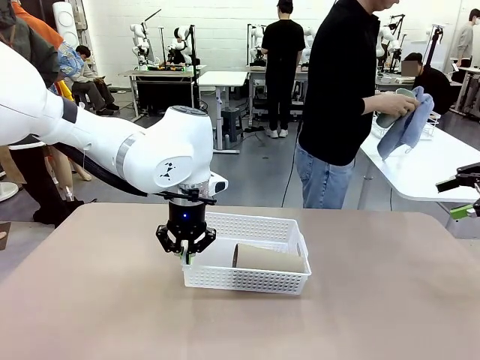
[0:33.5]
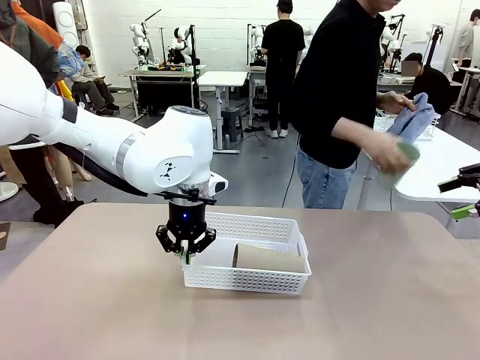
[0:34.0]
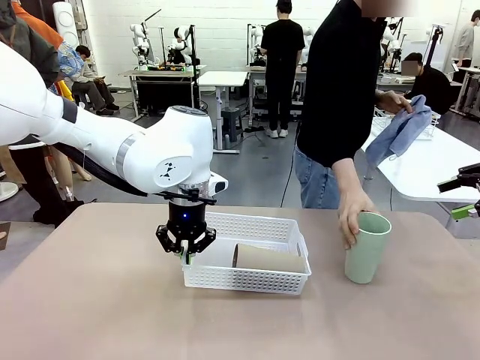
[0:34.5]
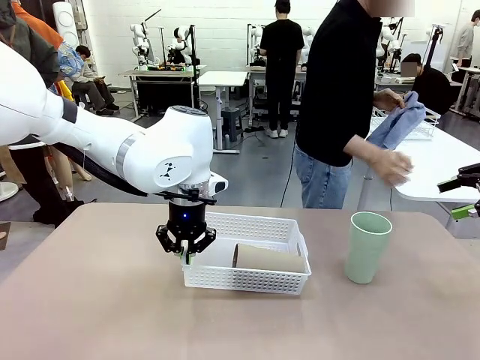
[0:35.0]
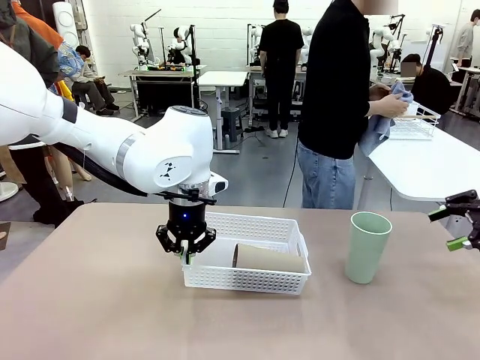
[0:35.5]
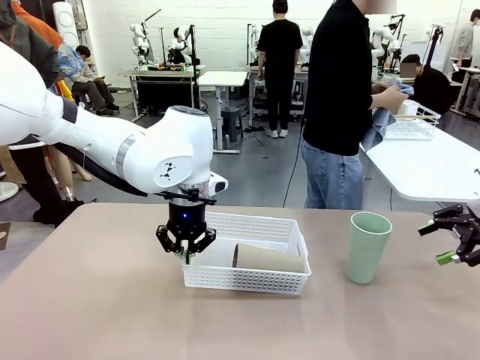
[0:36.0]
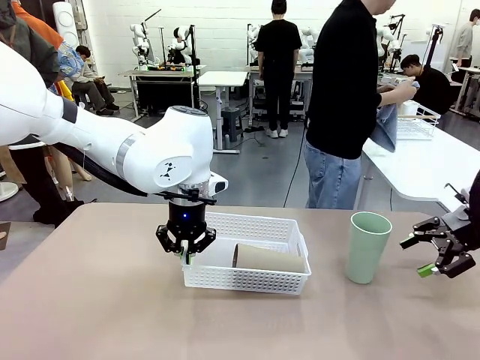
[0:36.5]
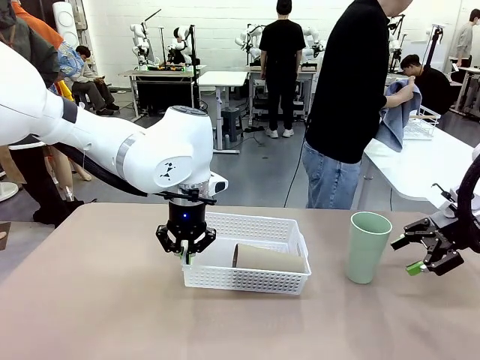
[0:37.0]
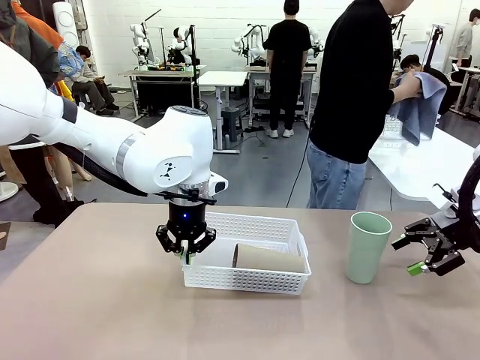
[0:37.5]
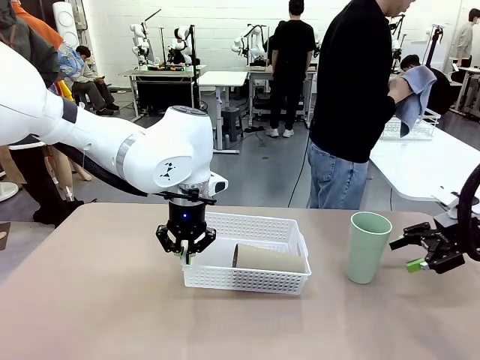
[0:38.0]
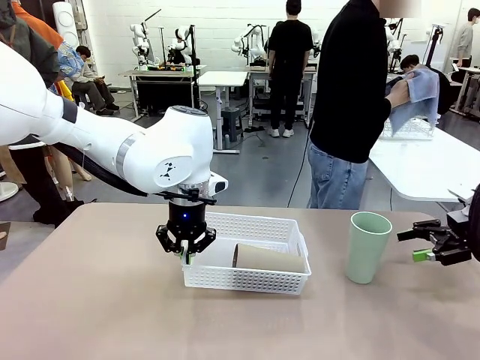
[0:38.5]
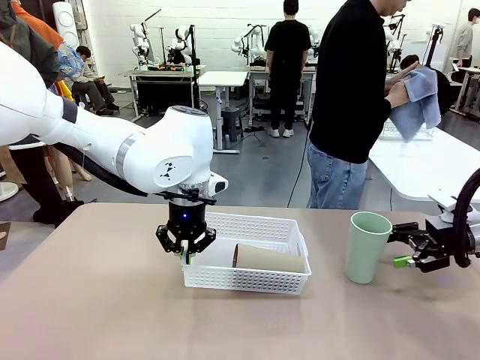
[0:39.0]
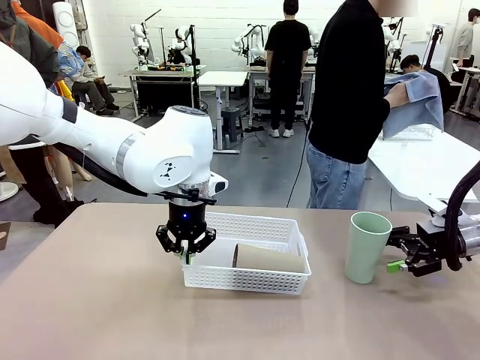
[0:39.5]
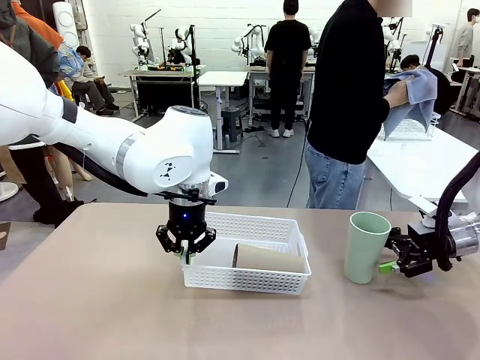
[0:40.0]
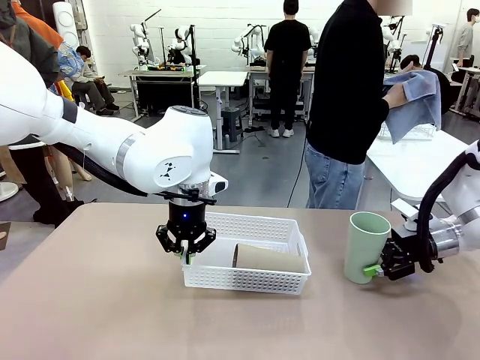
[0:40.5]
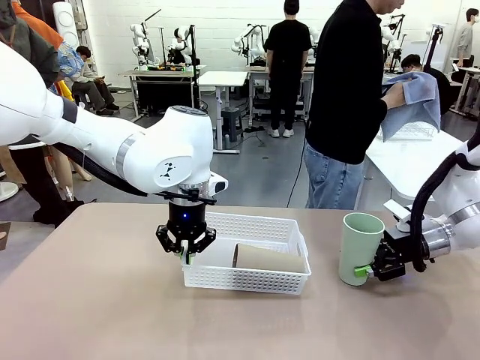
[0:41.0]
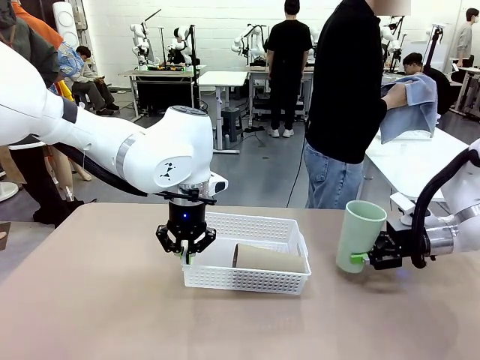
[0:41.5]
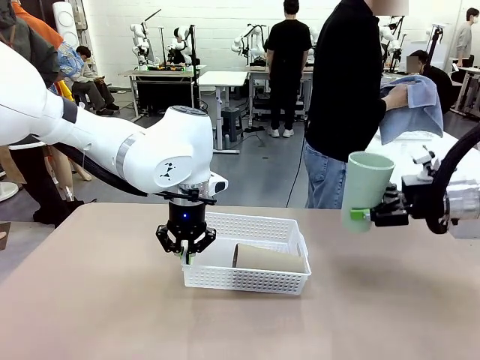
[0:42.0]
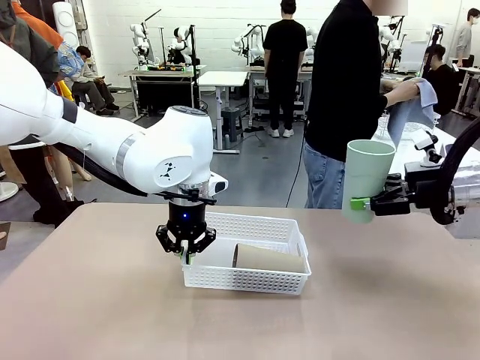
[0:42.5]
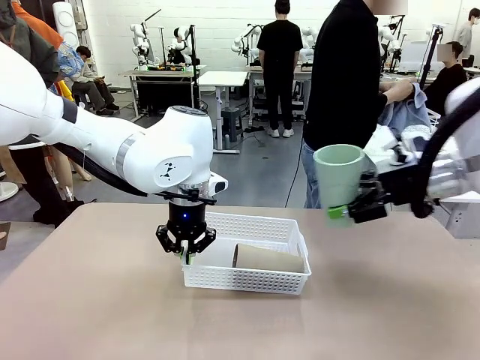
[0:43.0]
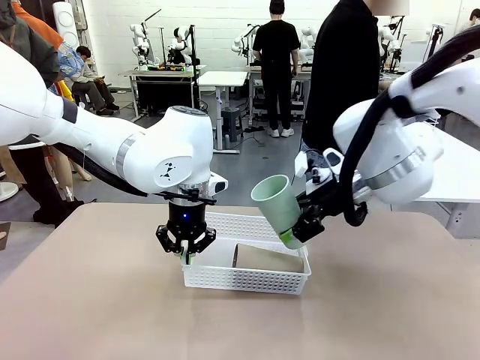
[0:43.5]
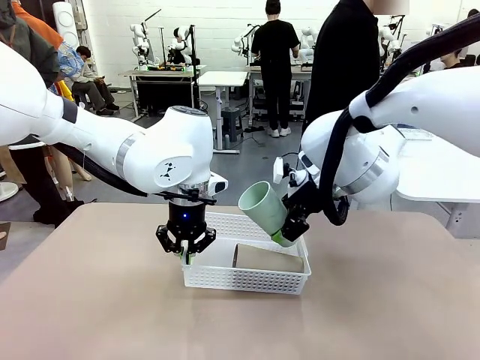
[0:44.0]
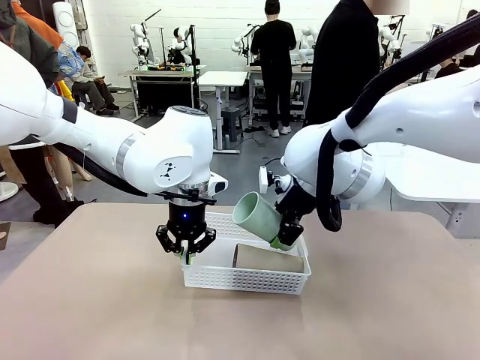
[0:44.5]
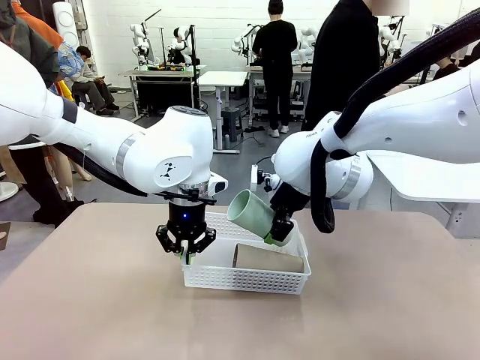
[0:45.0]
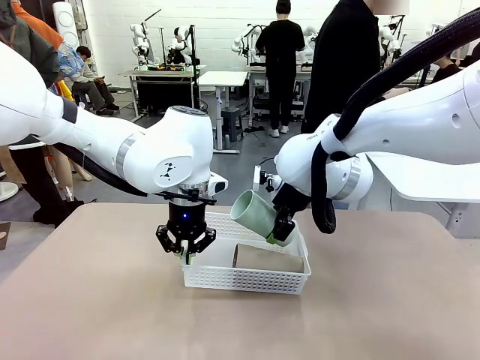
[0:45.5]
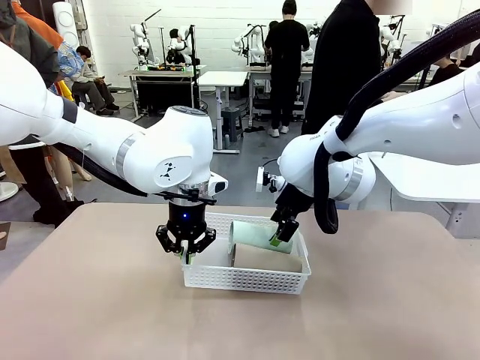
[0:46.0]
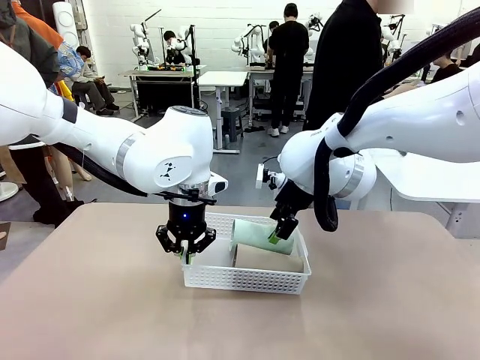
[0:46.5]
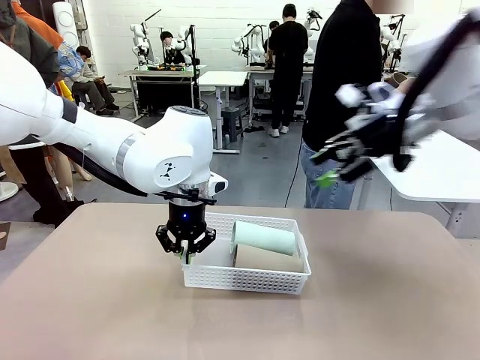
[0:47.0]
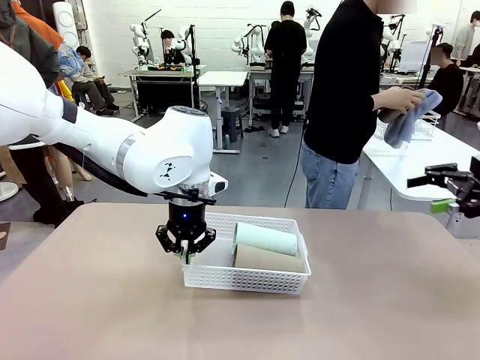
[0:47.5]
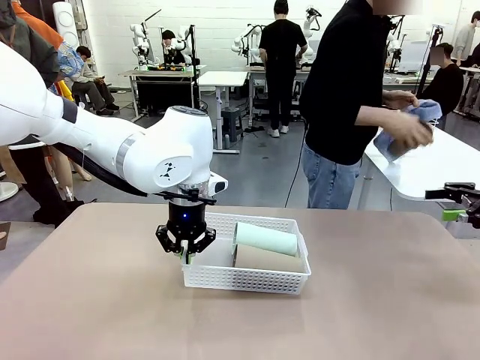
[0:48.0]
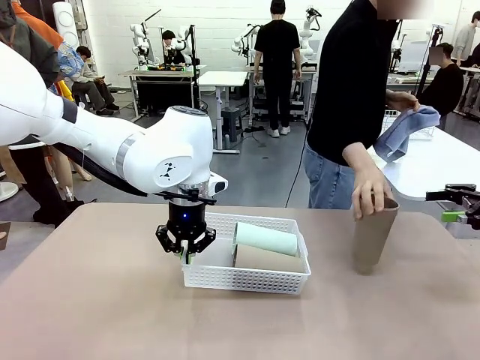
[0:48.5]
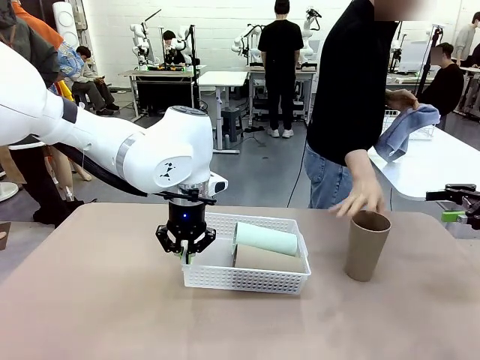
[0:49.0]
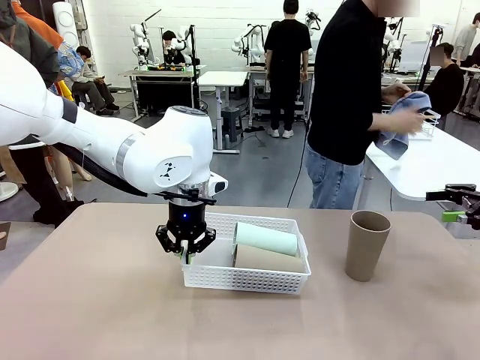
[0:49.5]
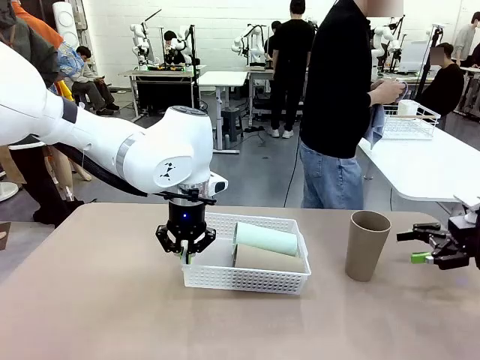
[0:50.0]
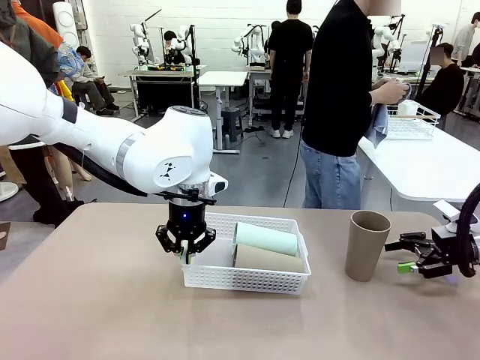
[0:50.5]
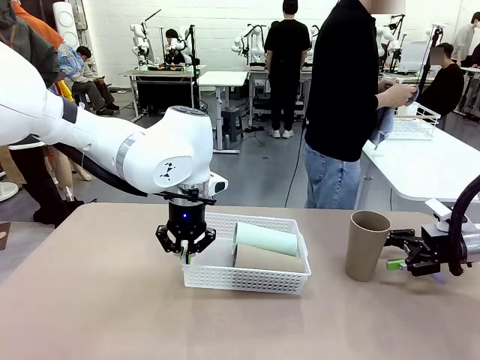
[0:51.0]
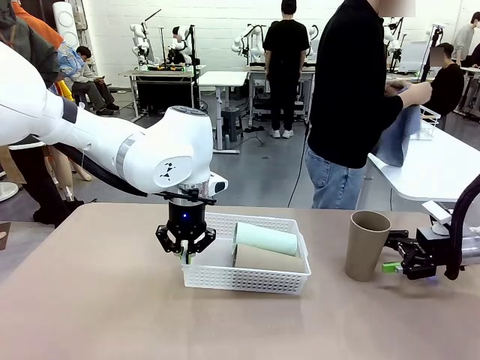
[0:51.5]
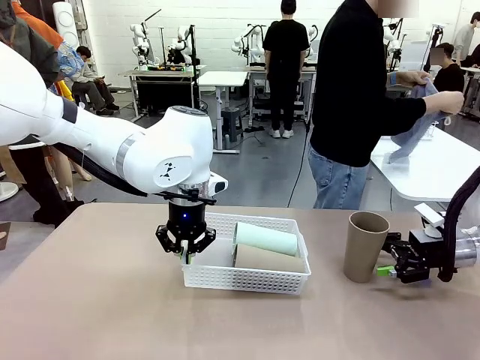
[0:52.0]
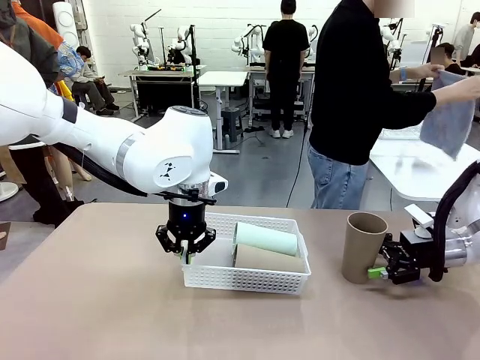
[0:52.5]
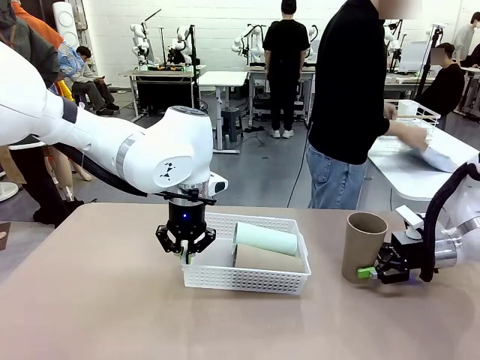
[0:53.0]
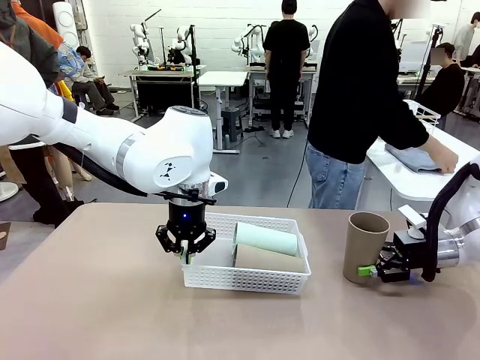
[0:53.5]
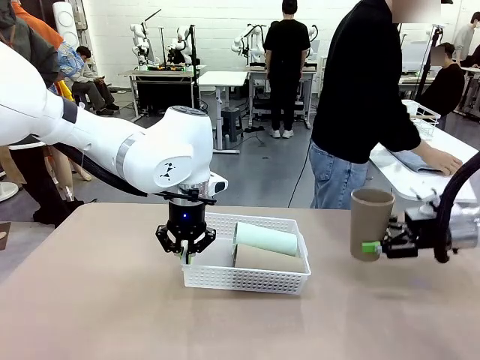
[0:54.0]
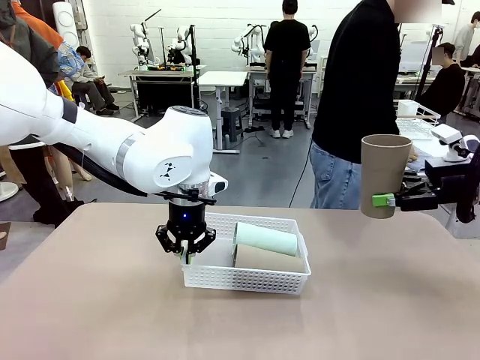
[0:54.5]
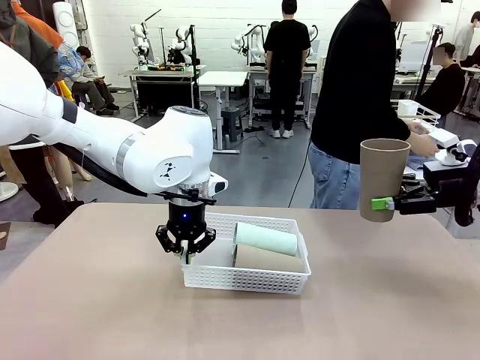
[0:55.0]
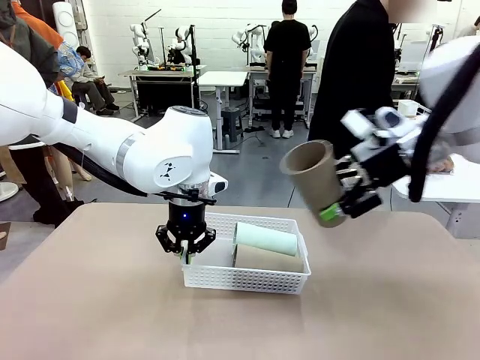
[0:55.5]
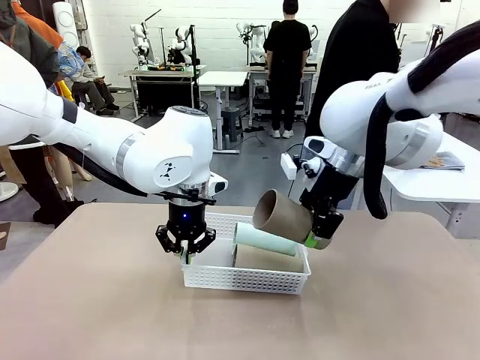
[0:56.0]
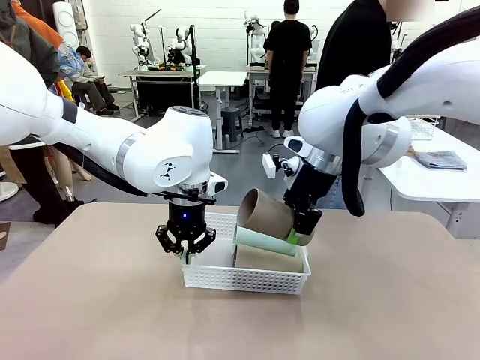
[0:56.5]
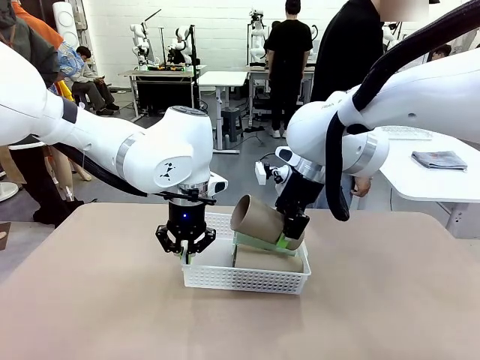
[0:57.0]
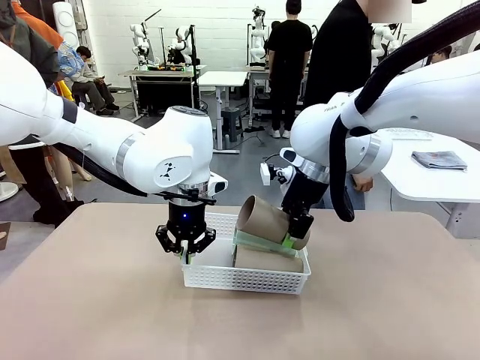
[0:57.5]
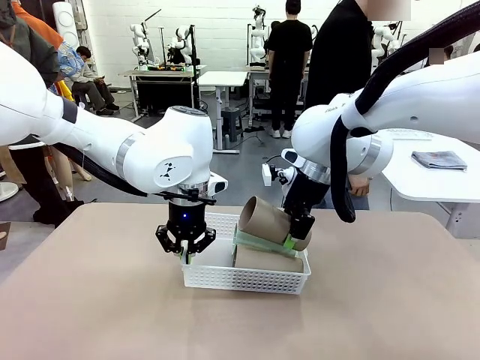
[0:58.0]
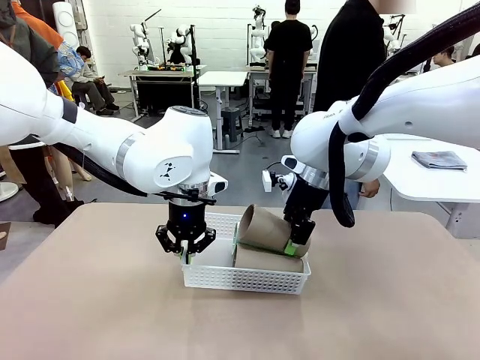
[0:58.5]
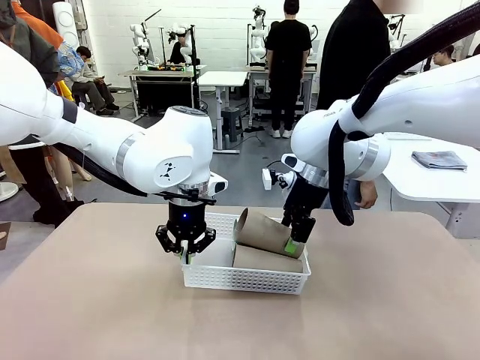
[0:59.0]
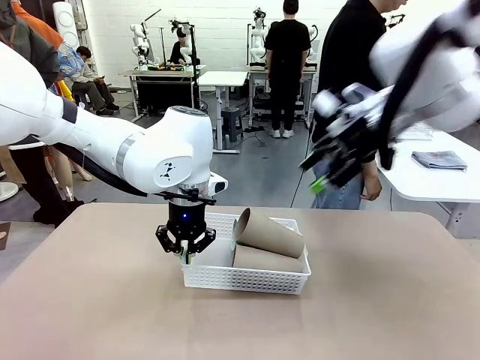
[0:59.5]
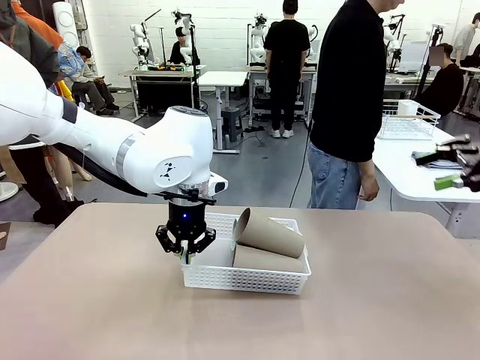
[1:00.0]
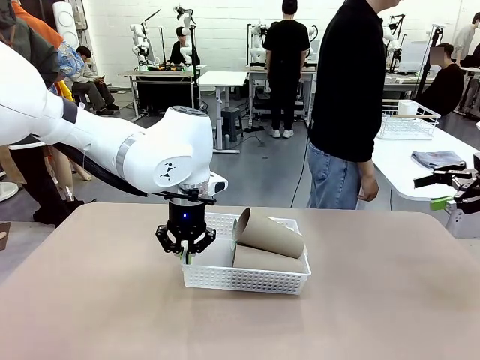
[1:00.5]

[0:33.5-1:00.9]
Task: Clean and organize the cups into the basket.
Robot: Pick up the Reusable plastic cup from the right side of the table and stack it inside the Organizing basket in the center of the table.
